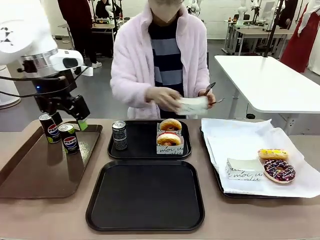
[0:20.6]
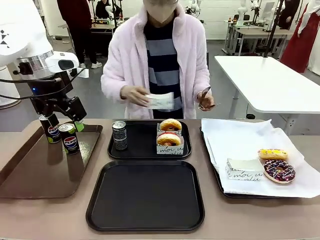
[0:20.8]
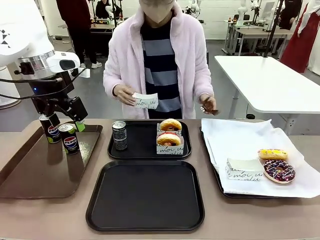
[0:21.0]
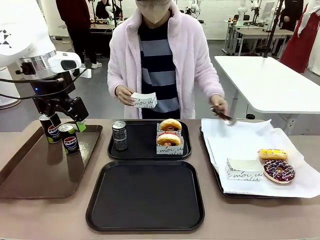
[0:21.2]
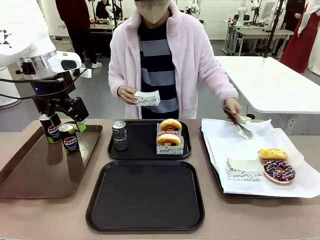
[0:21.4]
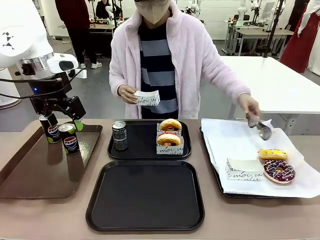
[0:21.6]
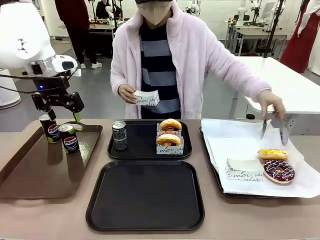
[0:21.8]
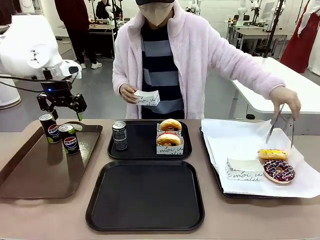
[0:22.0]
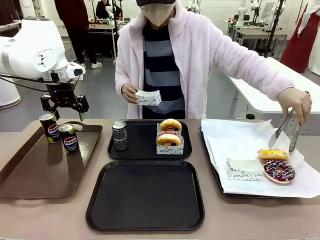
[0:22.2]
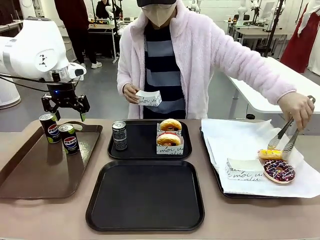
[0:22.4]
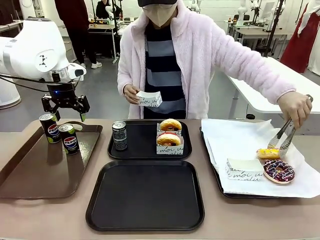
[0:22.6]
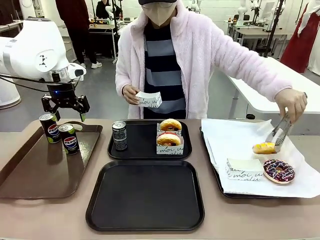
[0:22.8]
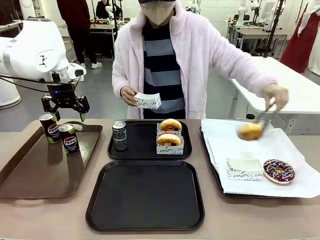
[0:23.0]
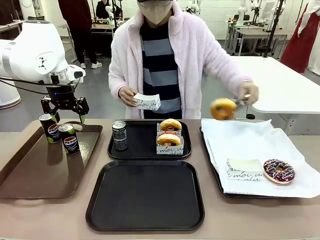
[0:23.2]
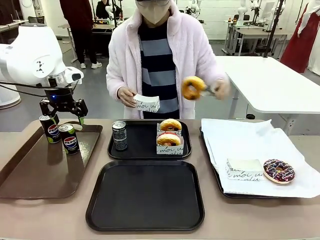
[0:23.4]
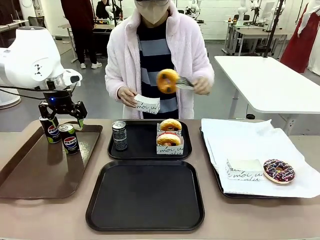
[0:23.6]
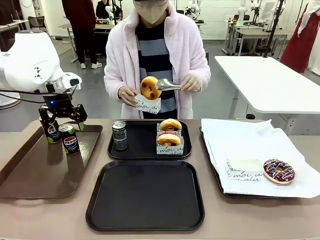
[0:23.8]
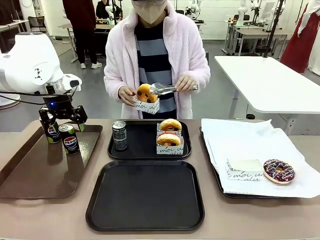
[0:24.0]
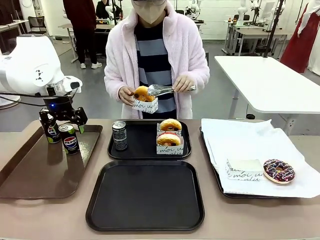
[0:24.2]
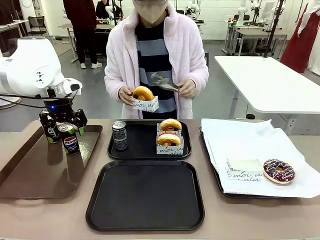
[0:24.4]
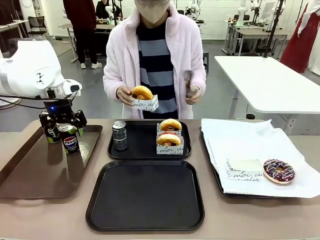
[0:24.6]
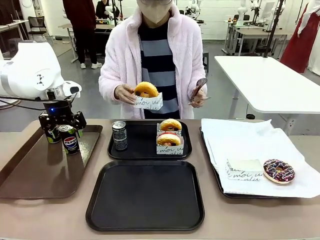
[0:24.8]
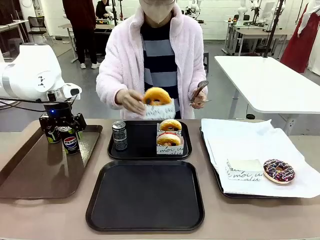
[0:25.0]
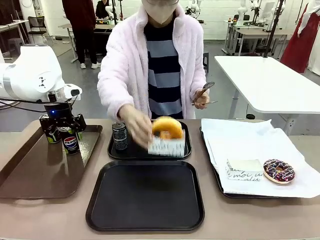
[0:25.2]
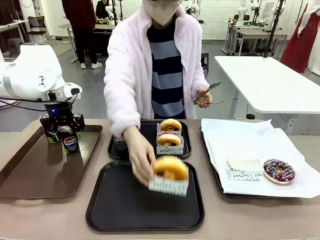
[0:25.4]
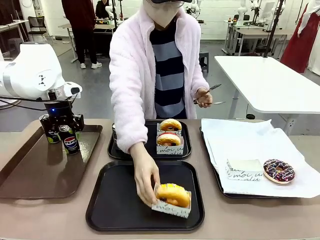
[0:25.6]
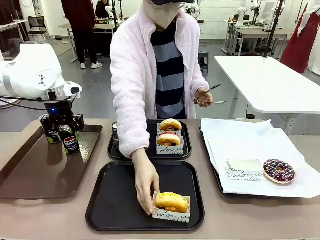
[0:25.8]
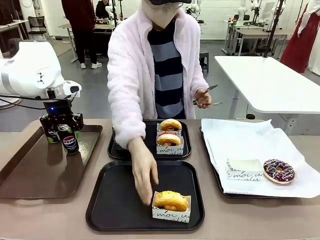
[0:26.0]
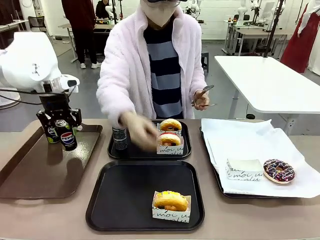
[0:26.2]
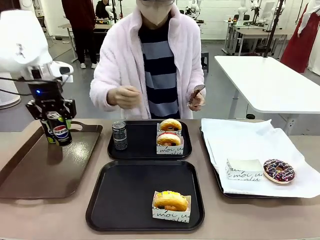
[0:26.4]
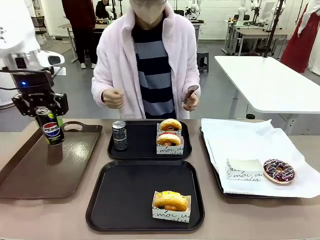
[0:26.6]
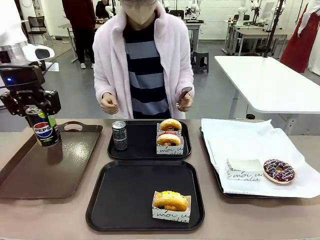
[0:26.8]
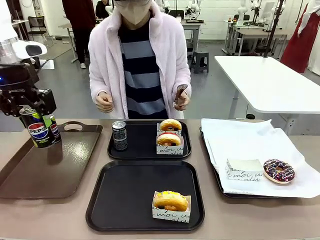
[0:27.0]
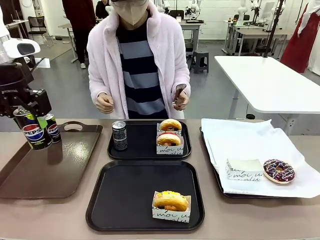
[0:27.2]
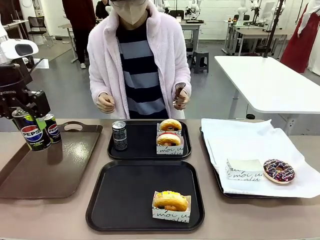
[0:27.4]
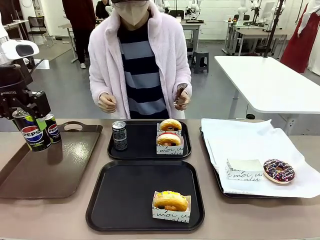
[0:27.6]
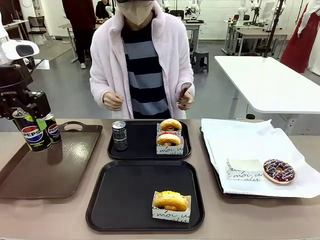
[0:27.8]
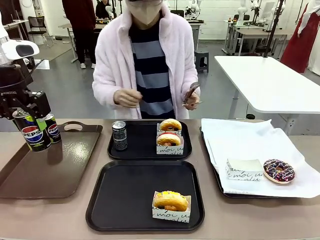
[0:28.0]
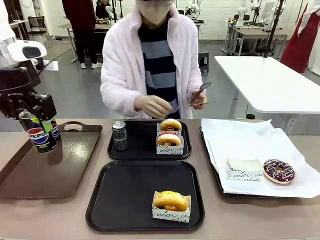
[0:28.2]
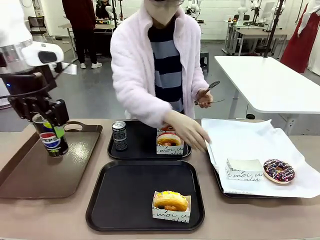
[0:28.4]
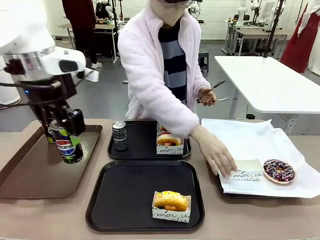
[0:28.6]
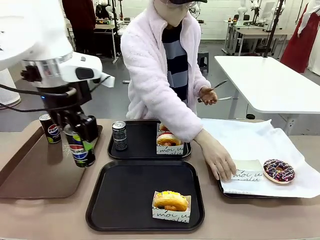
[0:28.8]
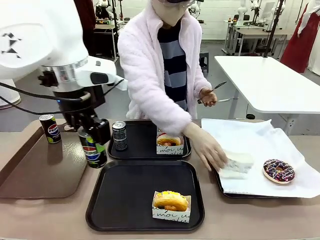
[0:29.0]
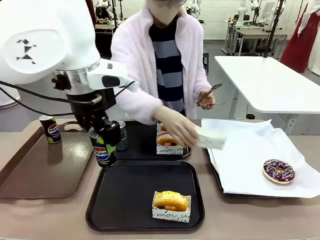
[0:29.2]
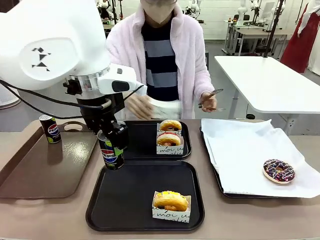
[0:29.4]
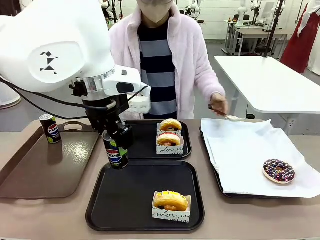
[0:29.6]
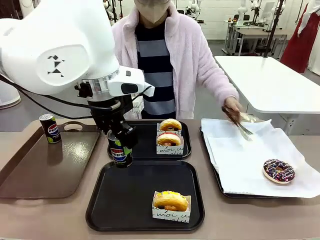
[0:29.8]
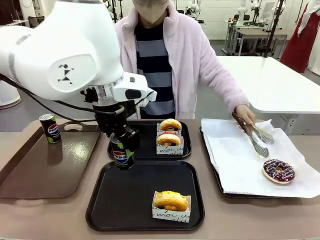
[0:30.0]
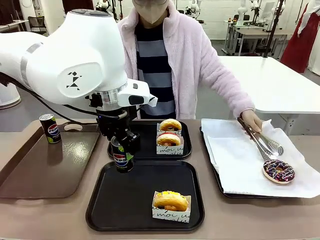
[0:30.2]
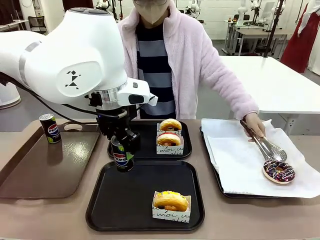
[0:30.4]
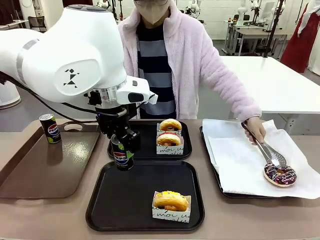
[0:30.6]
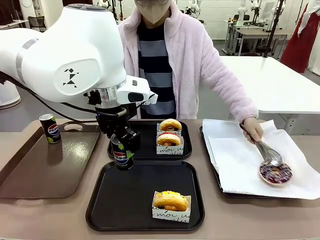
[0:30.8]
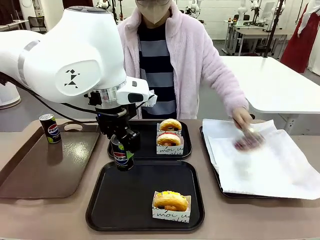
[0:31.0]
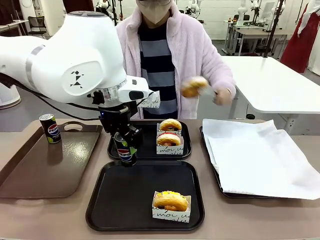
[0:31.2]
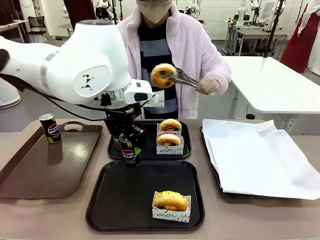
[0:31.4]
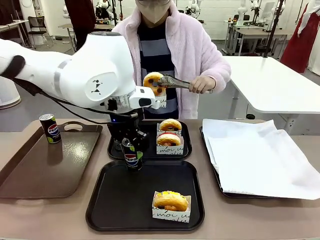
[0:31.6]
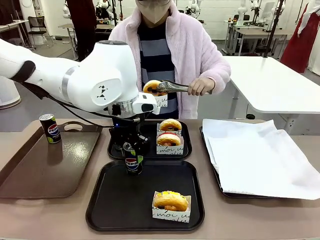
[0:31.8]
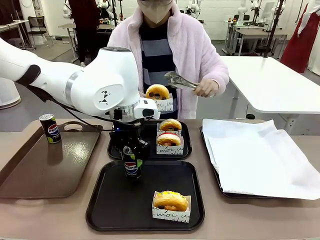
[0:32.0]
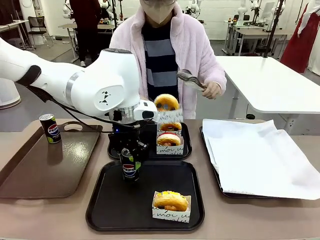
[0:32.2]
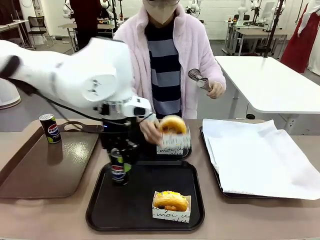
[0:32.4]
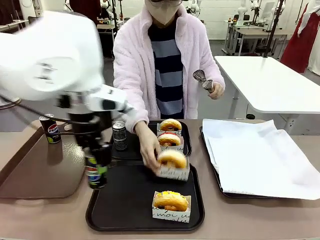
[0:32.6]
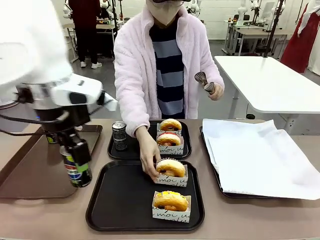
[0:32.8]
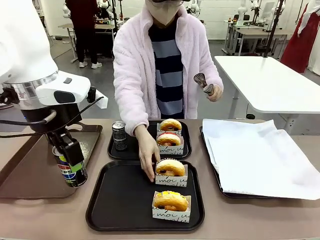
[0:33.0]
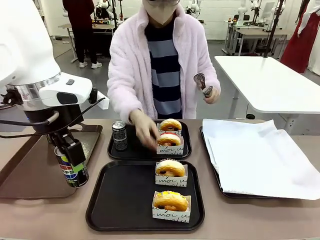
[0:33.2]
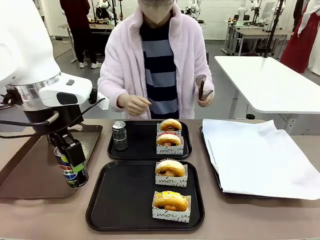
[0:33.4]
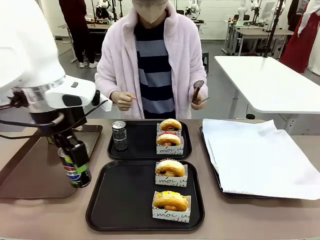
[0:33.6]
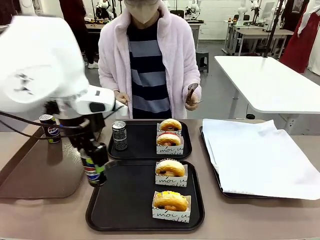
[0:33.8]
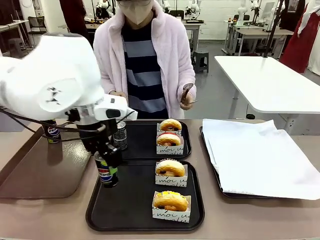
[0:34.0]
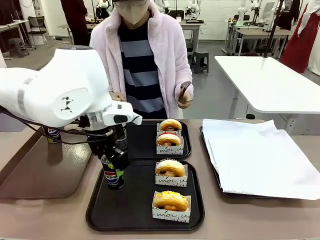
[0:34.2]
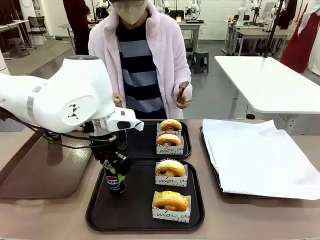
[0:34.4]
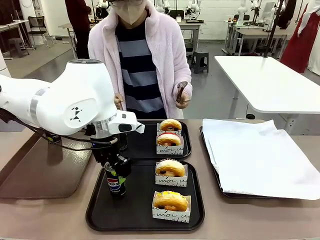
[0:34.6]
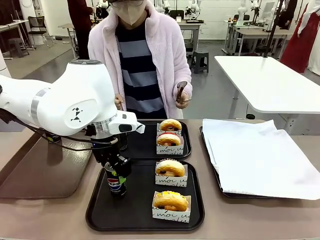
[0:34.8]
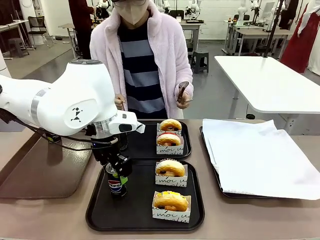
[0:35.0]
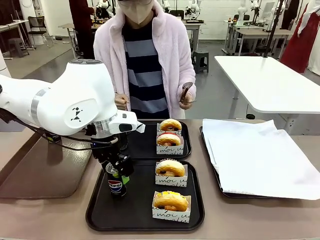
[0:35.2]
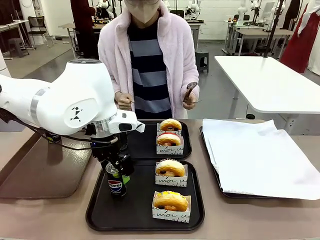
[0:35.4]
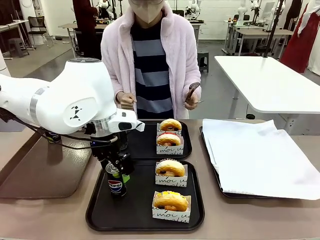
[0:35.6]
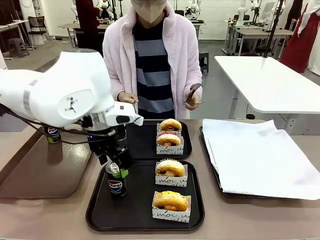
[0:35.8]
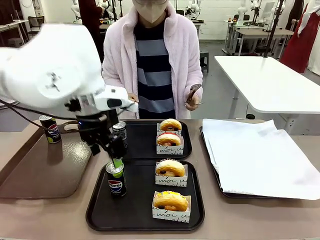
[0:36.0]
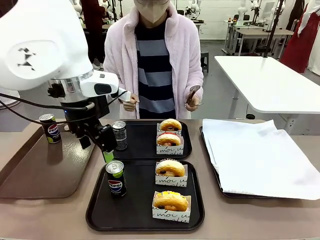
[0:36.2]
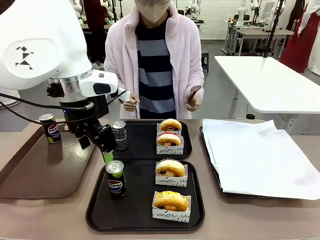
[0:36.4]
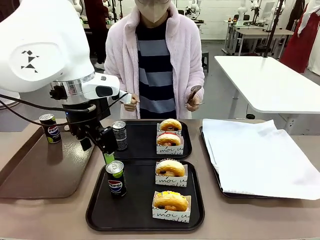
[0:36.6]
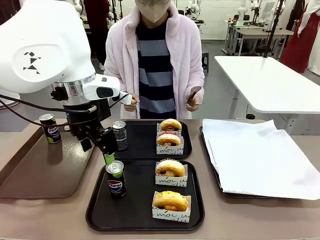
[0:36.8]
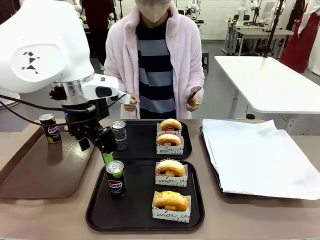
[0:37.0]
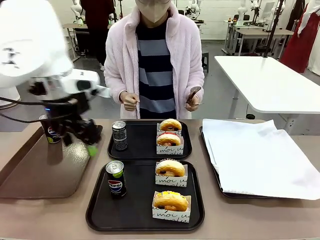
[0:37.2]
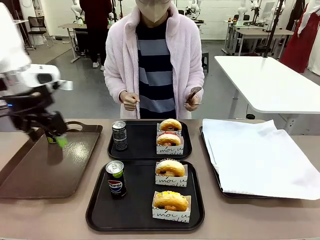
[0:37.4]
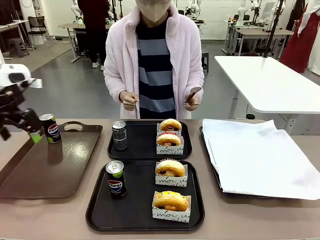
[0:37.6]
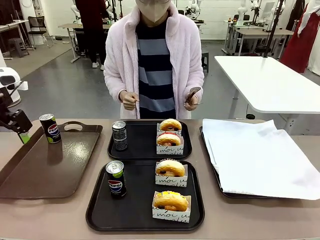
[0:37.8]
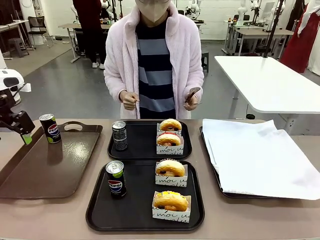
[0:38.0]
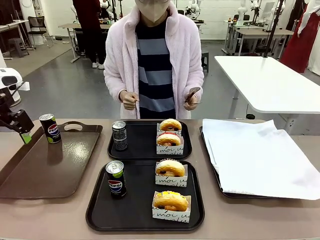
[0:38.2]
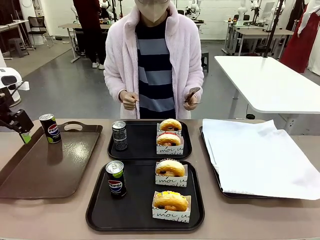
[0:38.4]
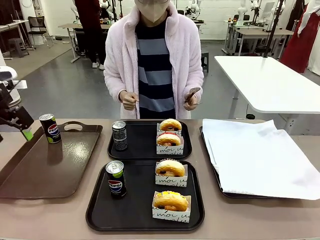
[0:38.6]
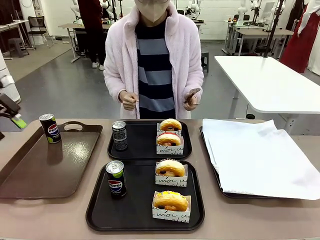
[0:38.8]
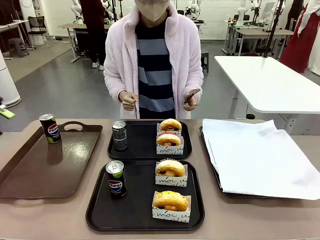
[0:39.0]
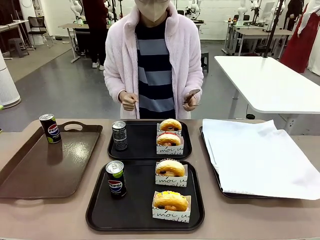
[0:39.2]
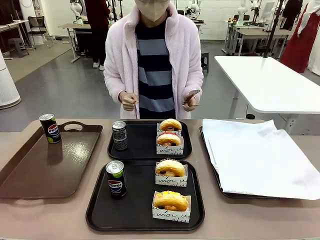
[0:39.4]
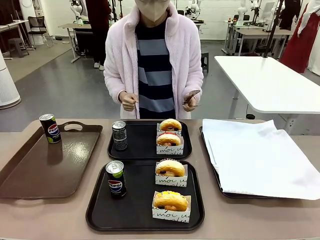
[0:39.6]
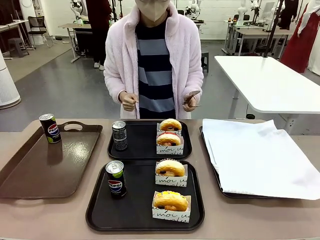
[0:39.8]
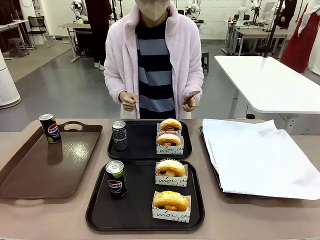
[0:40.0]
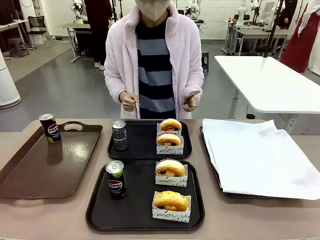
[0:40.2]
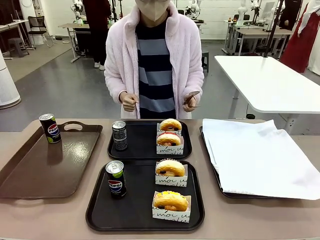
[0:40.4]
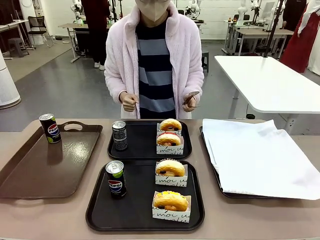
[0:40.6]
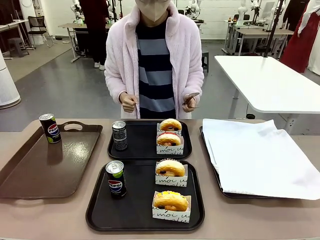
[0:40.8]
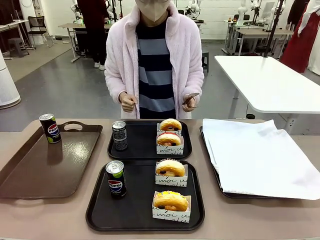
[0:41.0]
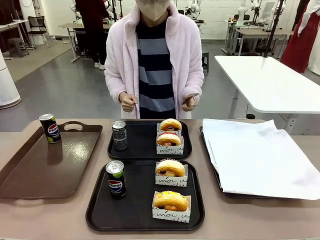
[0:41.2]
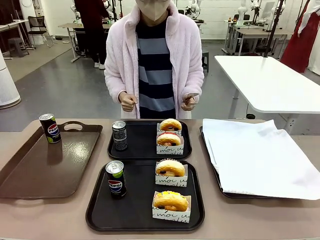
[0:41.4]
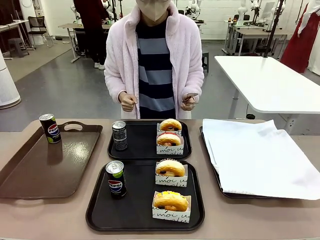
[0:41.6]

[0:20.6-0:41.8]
Task: Set up donuts and drinks on trays.
Robot: Pick up one Pepsi coke from the Handle tray and place it on the Flat Tray without a Pepsi coke.
Person: Pick up one donut with tongs, place it in the donut tray, and then place the donut tray on the flat tray.
